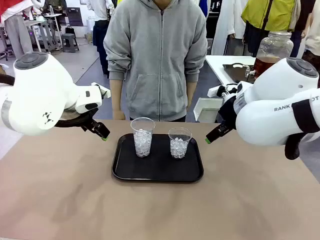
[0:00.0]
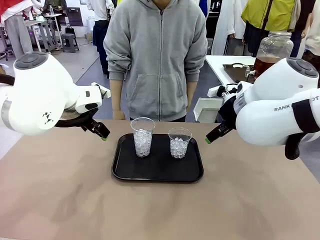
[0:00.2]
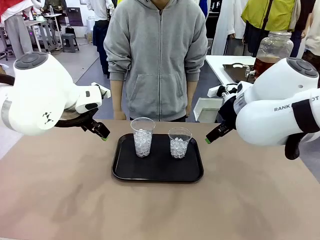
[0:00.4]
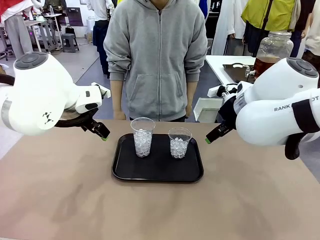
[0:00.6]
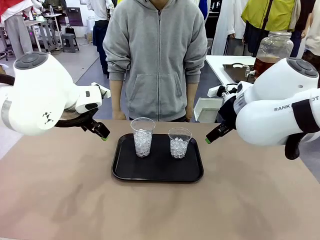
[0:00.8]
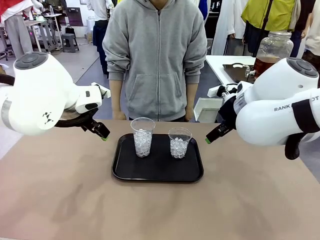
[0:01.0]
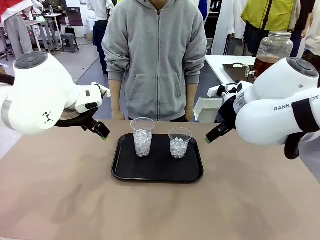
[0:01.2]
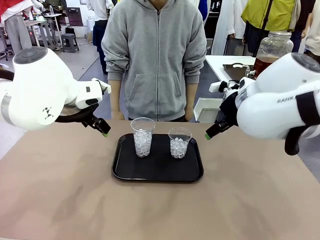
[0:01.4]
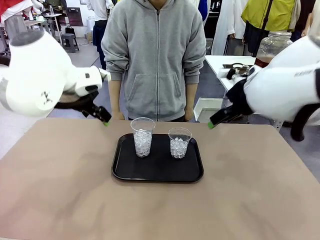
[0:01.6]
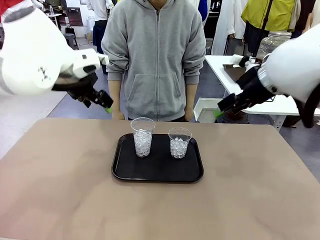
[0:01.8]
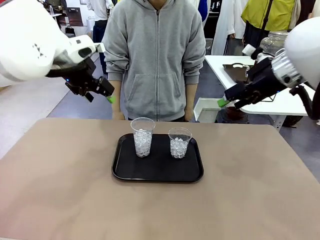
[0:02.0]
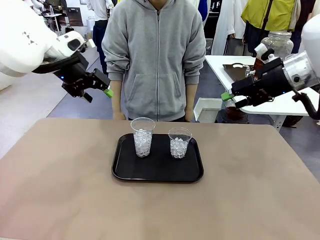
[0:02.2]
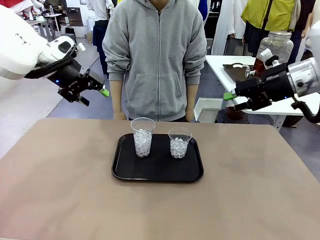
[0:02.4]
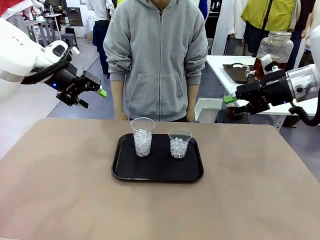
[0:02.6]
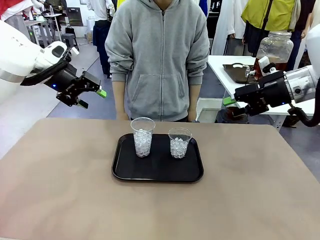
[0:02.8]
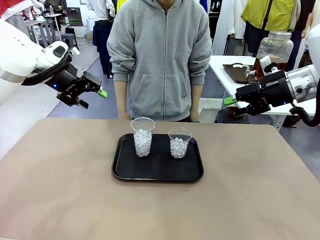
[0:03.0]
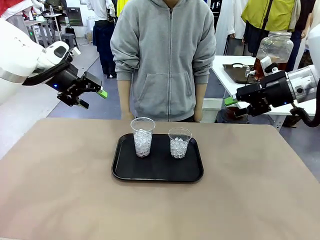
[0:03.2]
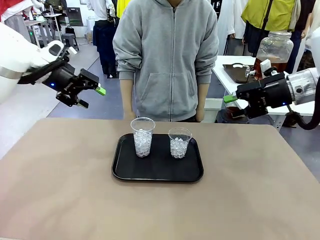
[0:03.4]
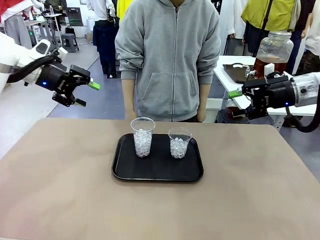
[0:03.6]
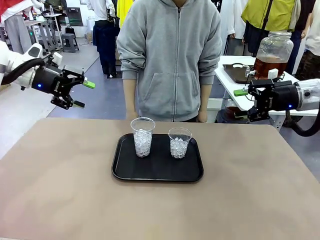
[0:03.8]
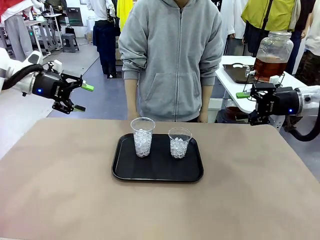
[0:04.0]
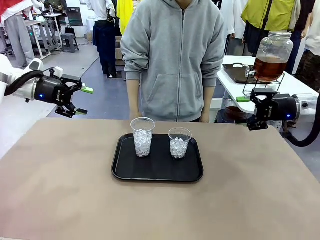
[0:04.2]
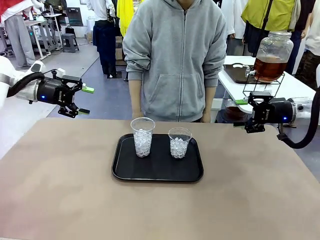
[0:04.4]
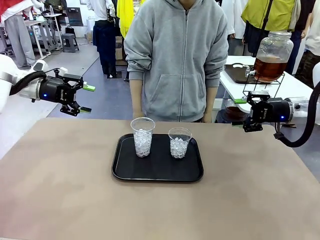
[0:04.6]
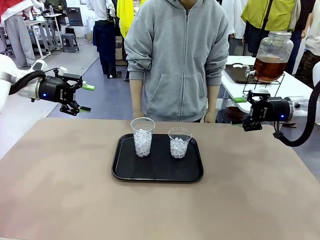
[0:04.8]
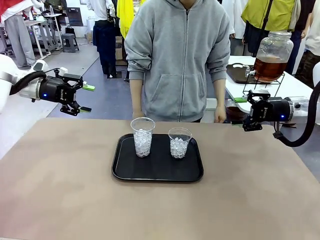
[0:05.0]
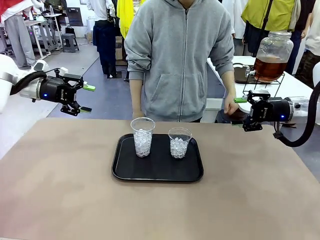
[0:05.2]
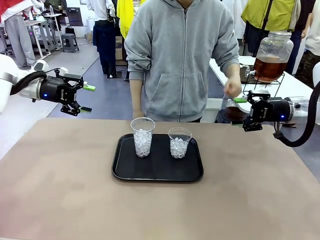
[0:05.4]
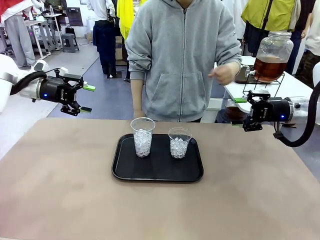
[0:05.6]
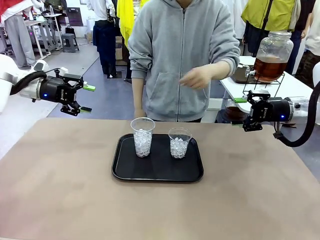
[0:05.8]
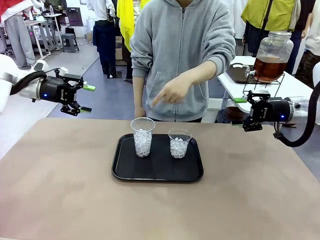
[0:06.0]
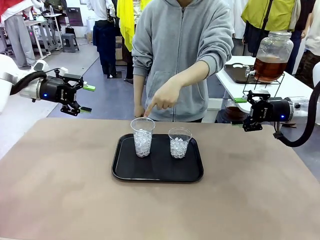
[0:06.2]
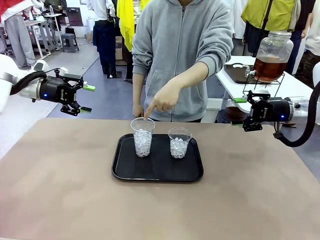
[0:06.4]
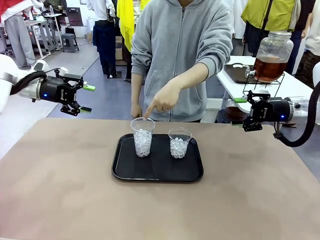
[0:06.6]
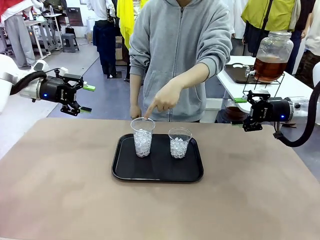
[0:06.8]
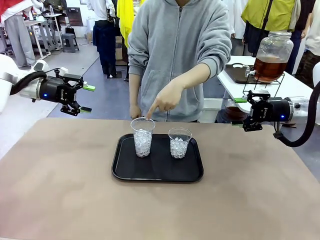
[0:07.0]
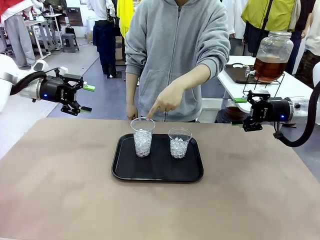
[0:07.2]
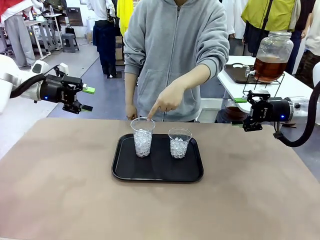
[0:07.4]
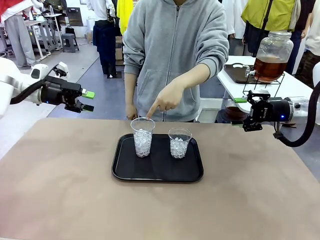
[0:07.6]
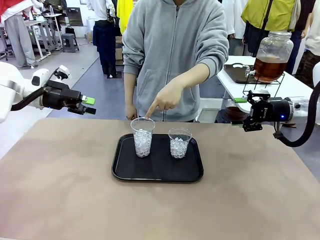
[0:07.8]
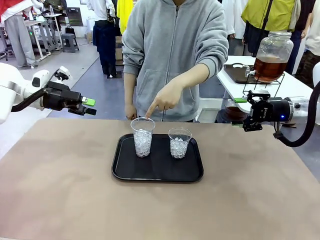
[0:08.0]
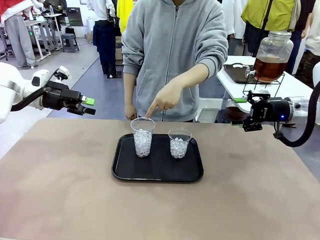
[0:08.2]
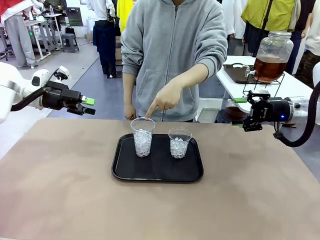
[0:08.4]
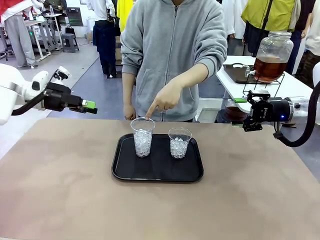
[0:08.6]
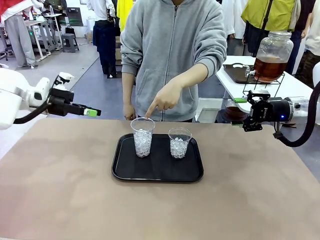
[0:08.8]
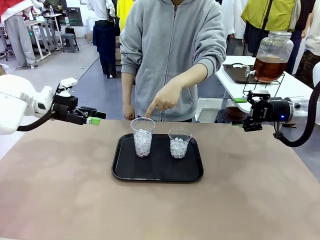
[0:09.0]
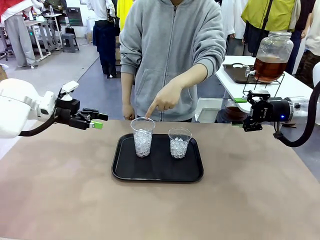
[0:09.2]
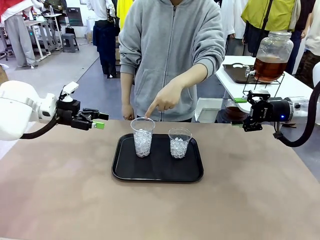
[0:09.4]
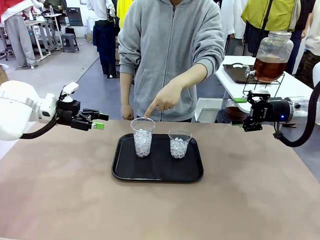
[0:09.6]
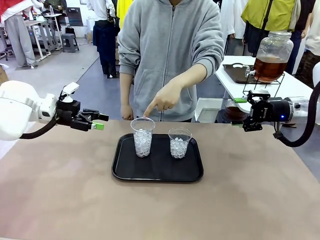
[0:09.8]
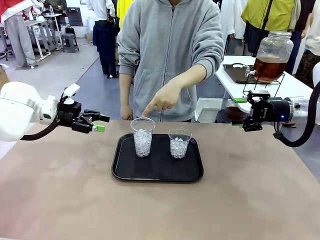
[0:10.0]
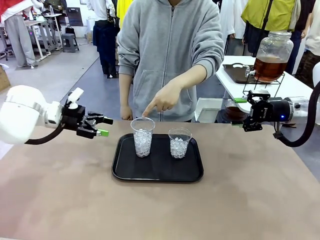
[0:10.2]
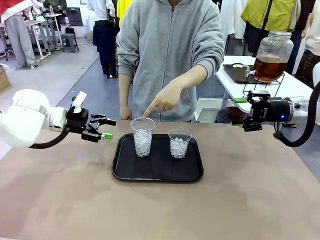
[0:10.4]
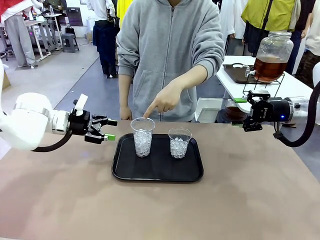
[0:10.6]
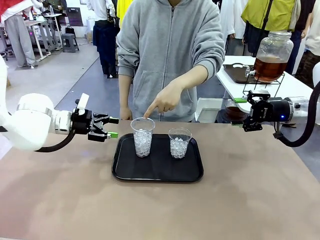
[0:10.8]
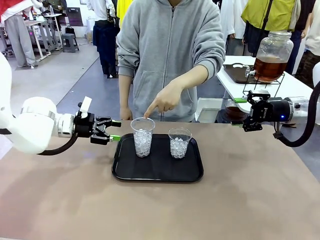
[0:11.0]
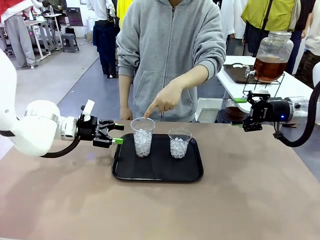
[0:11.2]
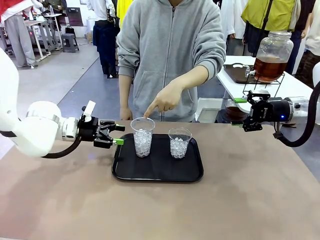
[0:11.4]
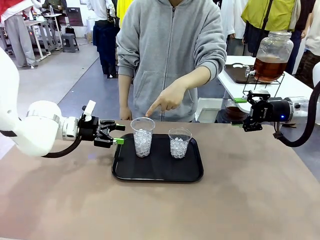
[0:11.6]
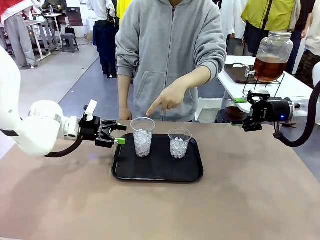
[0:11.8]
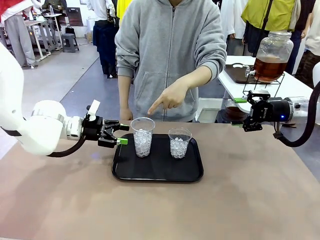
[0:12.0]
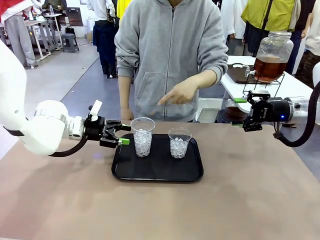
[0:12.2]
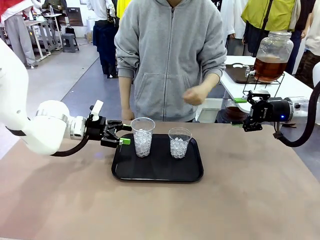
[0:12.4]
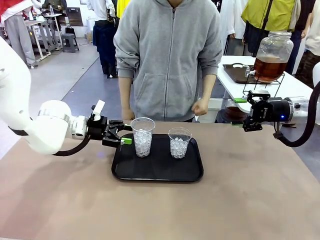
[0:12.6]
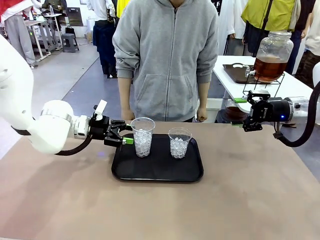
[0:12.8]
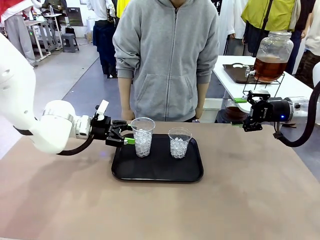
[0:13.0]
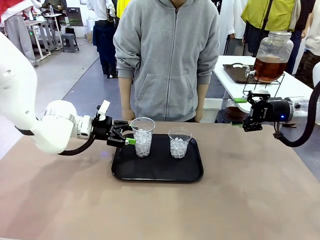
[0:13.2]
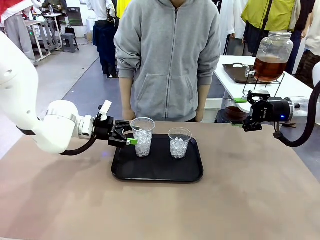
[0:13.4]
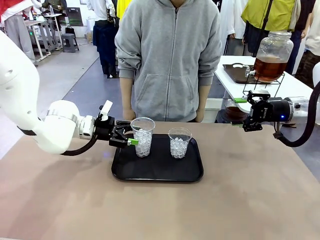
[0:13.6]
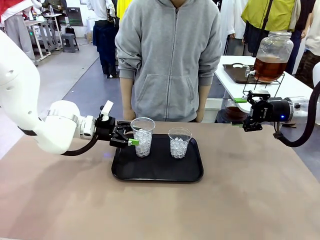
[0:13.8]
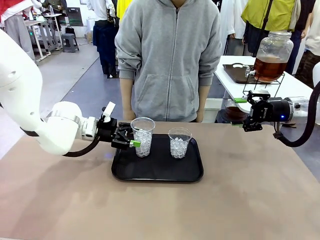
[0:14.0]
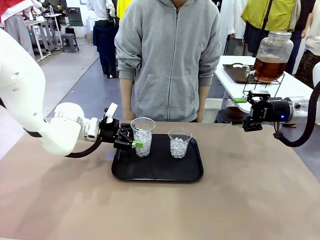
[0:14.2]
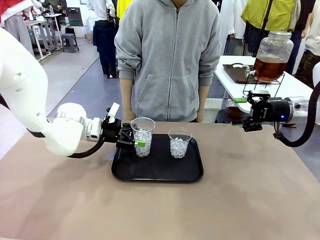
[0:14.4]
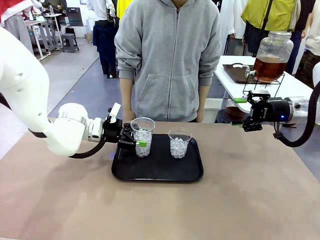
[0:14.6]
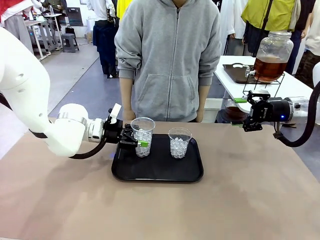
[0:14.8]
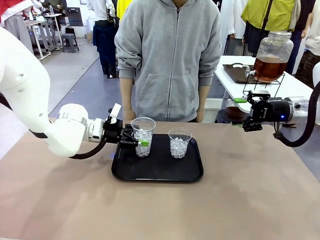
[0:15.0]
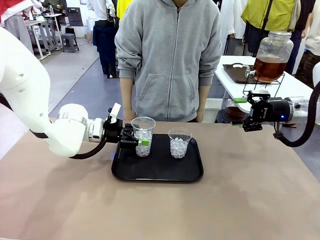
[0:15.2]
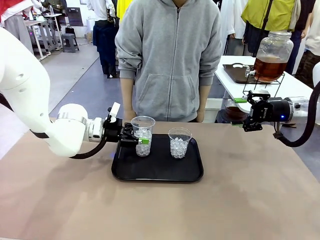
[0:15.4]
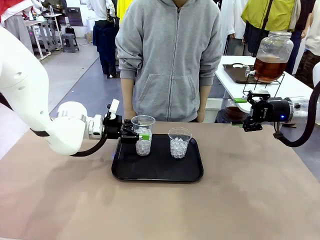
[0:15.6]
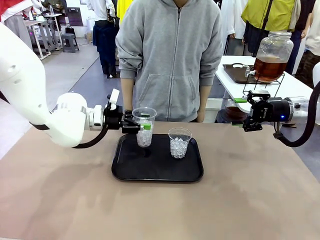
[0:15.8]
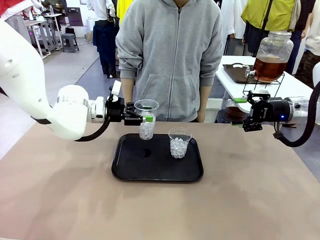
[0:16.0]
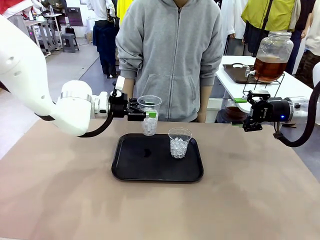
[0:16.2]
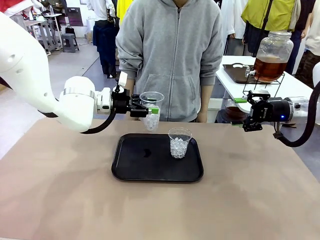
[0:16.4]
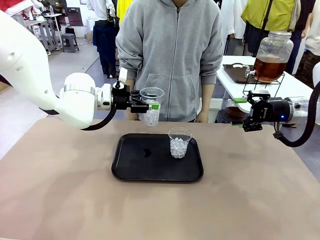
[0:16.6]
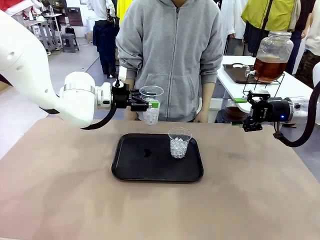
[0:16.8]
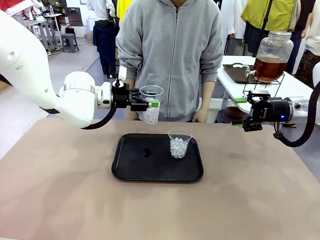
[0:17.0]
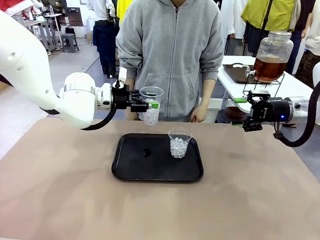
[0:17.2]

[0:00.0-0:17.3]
Task: Pour the drink into the iced cup.
Robot: Pick up the iced cup indicated by the human and present it to them.
Person: Point to one of the two ice cups. Pick up the cup offered by the robot.

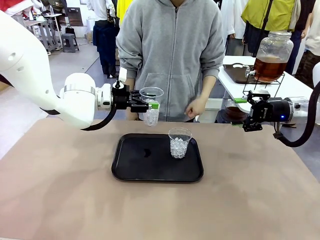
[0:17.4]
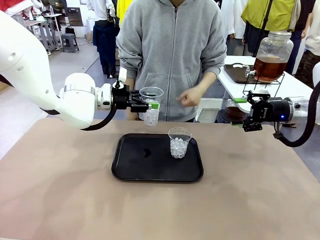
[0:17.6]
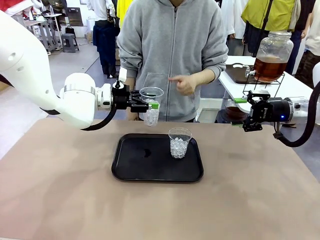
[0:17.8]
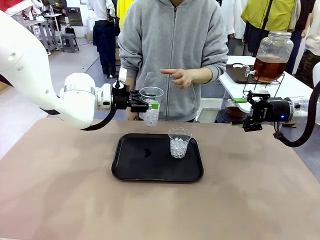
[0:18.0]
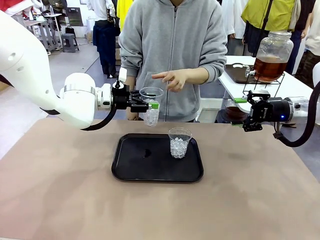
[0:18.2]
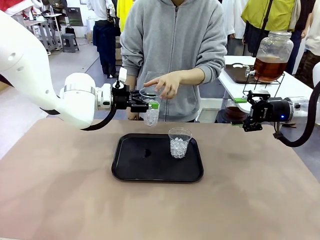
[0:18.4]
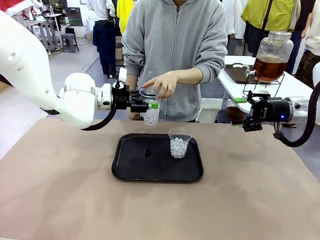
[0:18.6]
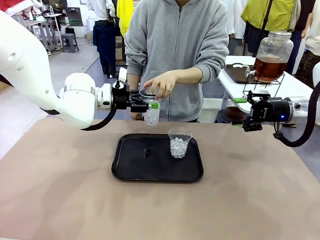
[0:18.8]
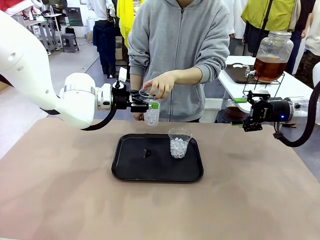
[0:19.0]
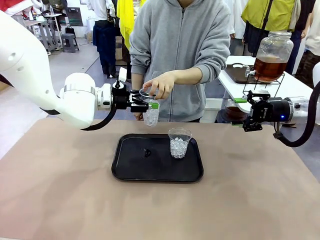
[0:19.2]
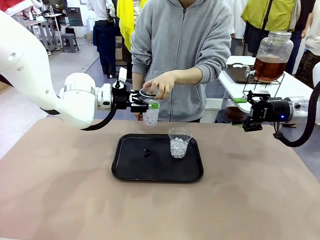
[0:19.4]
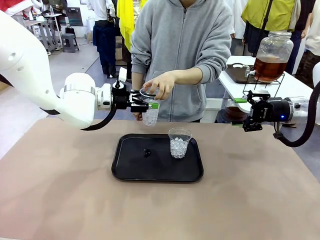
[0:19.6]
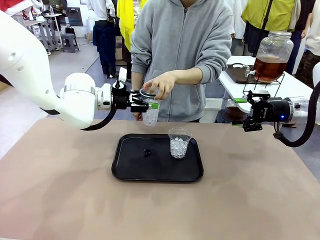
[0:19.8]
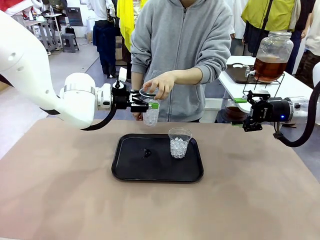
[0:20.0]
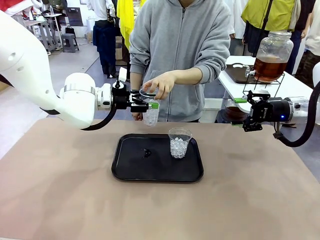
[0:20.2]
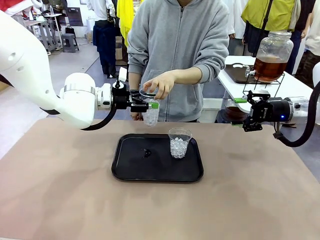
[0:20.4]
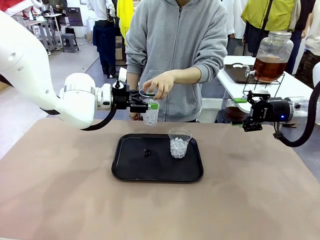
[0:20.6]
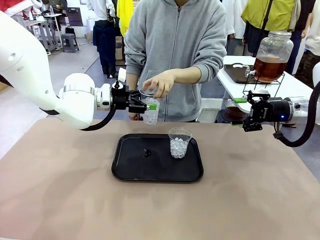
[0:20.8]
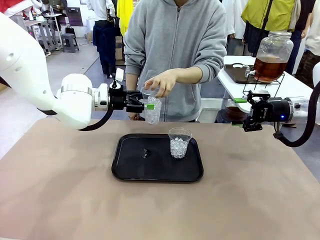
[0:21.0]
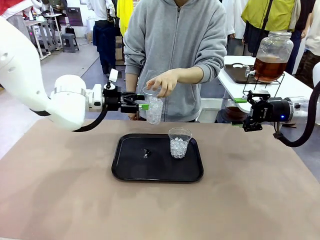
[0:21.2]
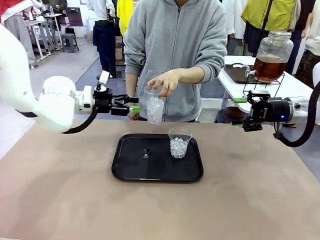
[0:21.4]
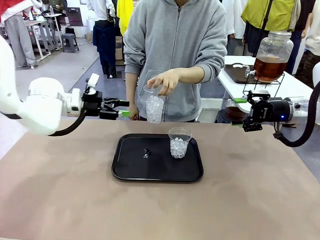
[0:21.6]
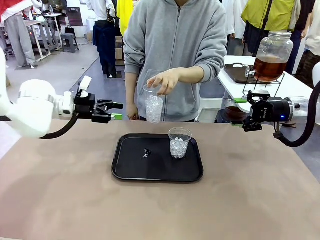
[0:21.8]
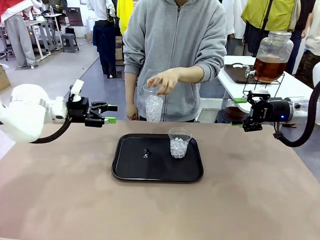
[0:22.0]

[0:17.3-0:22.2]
Robot: Open the gripper to release the iced cup you were holding.
